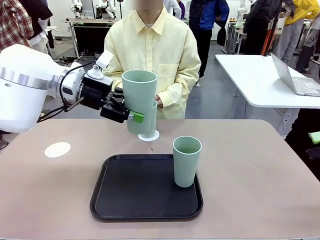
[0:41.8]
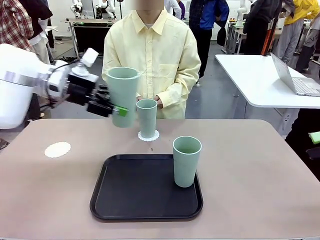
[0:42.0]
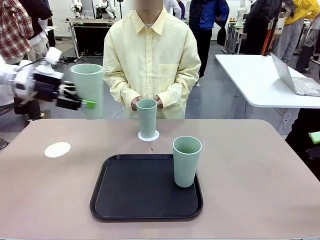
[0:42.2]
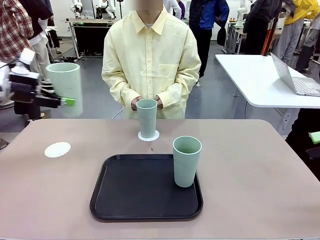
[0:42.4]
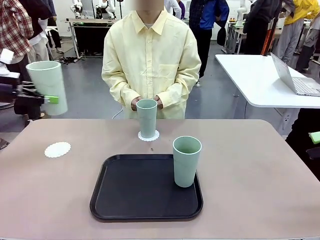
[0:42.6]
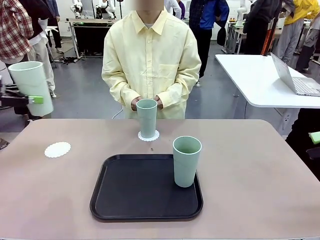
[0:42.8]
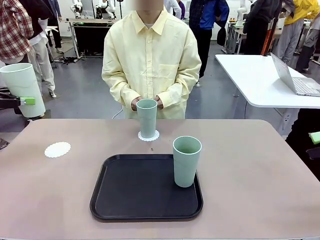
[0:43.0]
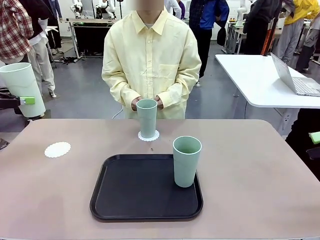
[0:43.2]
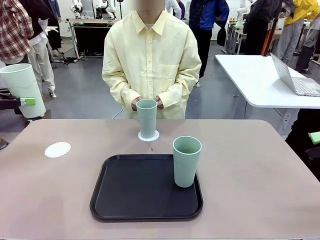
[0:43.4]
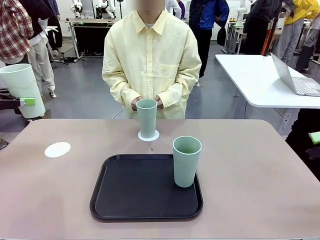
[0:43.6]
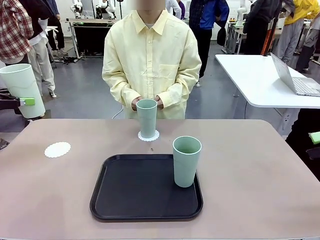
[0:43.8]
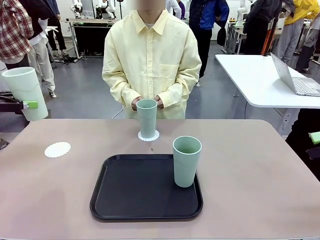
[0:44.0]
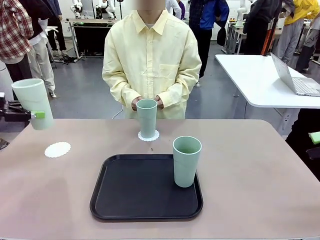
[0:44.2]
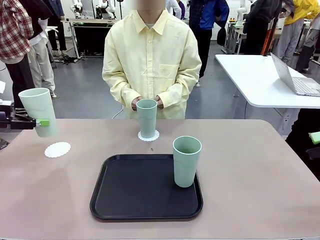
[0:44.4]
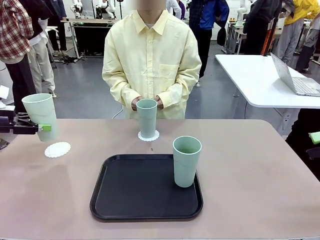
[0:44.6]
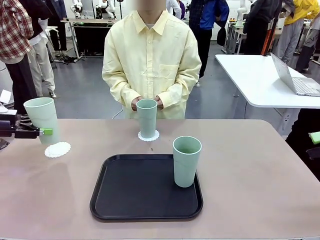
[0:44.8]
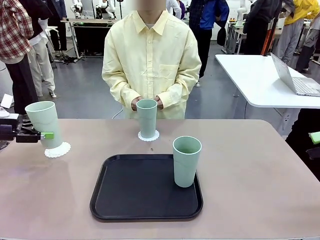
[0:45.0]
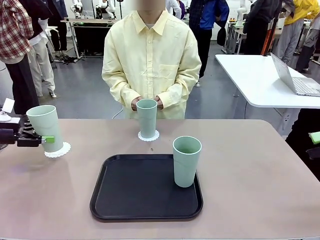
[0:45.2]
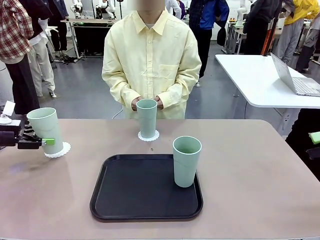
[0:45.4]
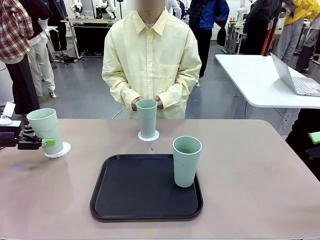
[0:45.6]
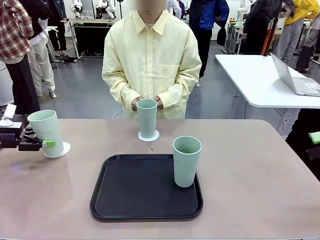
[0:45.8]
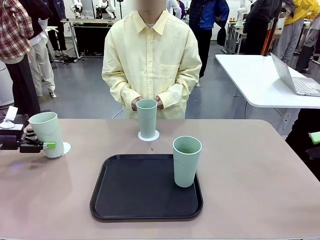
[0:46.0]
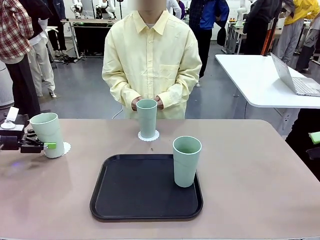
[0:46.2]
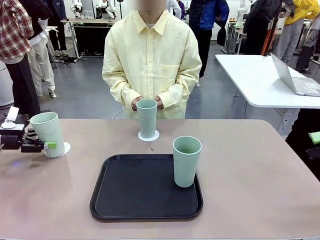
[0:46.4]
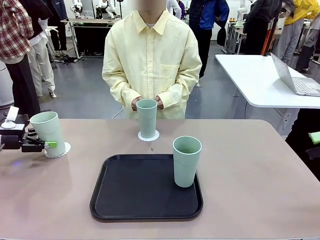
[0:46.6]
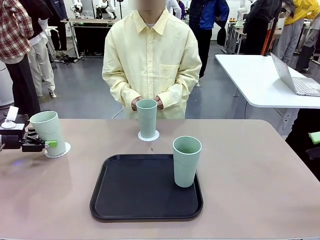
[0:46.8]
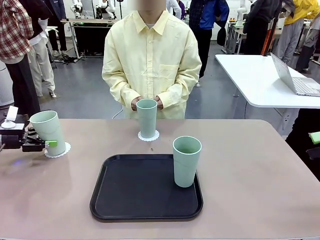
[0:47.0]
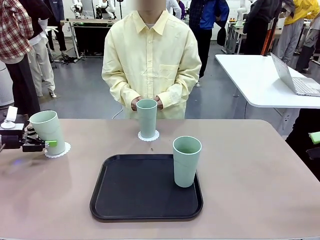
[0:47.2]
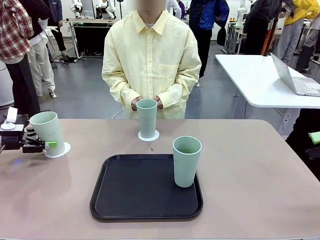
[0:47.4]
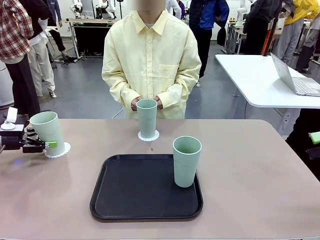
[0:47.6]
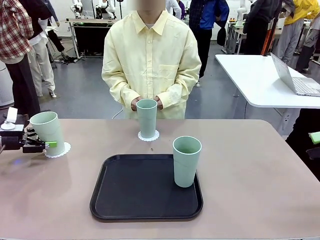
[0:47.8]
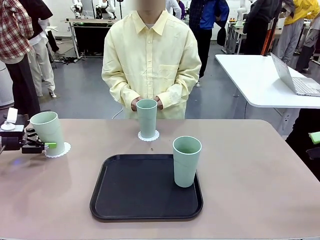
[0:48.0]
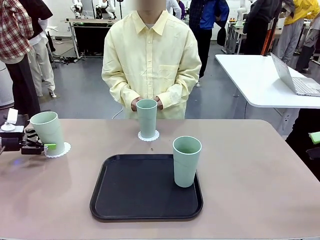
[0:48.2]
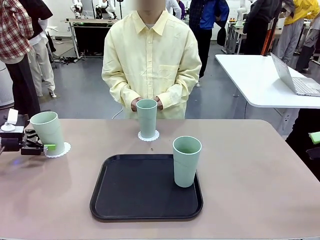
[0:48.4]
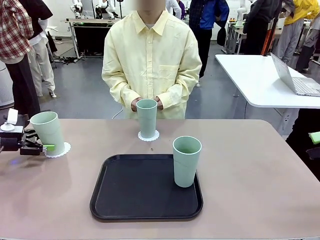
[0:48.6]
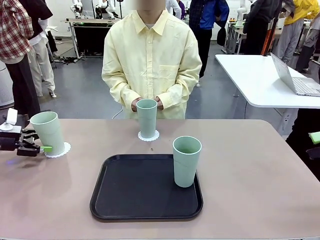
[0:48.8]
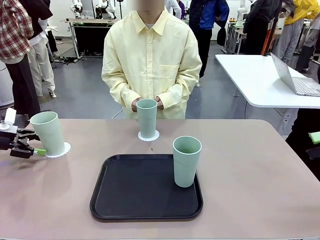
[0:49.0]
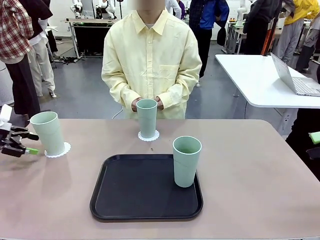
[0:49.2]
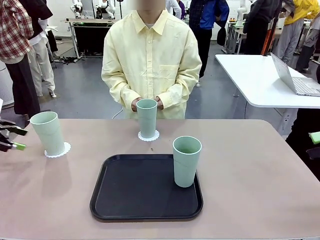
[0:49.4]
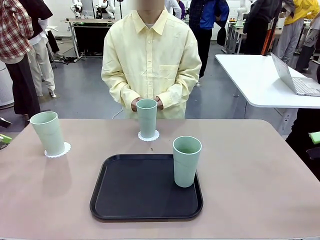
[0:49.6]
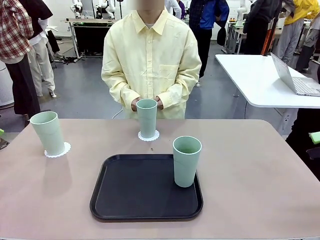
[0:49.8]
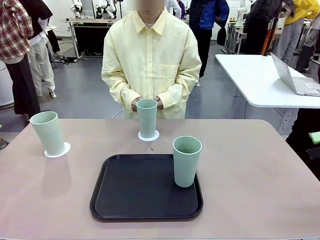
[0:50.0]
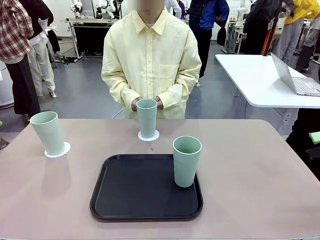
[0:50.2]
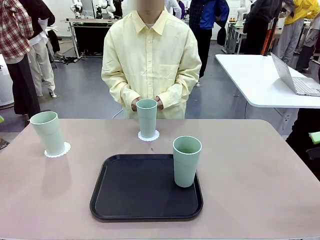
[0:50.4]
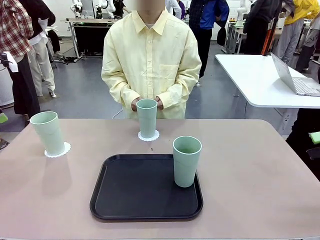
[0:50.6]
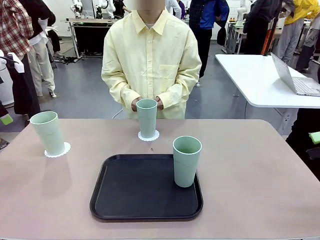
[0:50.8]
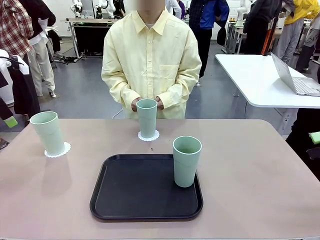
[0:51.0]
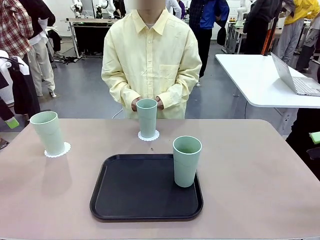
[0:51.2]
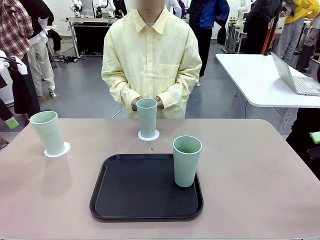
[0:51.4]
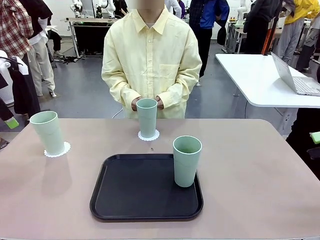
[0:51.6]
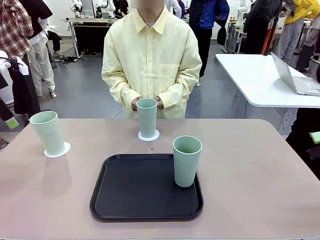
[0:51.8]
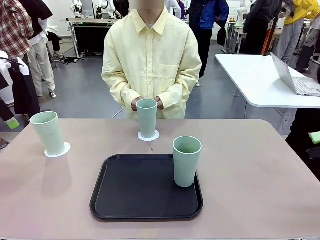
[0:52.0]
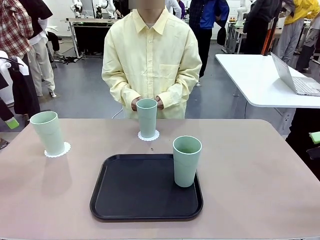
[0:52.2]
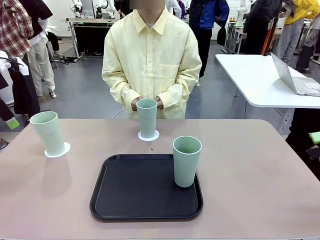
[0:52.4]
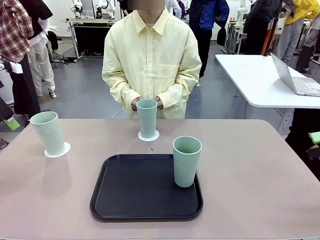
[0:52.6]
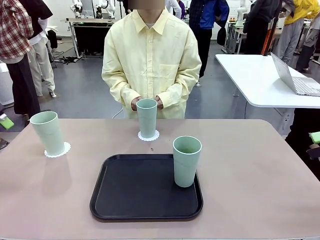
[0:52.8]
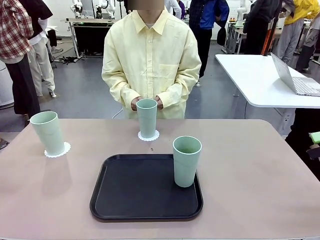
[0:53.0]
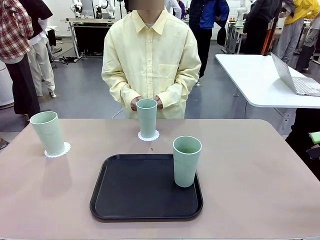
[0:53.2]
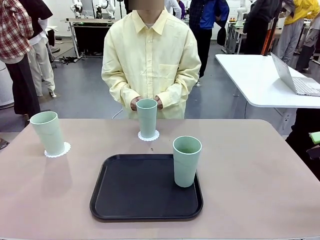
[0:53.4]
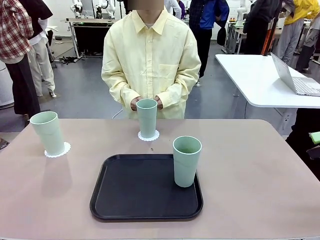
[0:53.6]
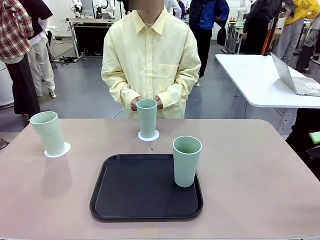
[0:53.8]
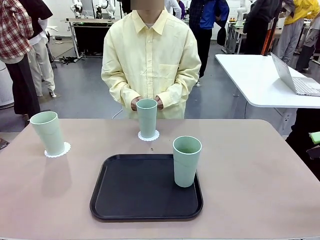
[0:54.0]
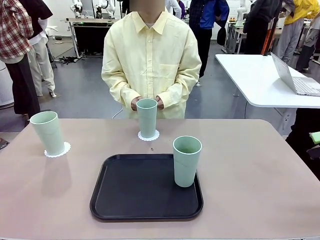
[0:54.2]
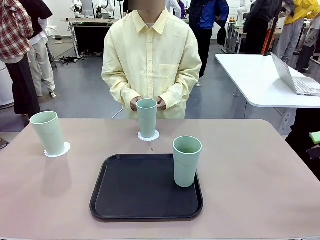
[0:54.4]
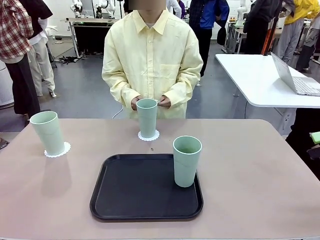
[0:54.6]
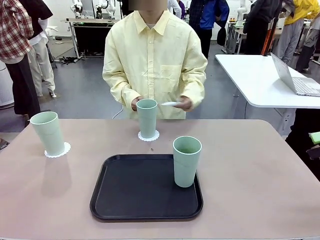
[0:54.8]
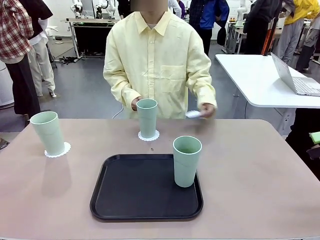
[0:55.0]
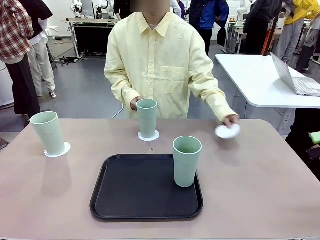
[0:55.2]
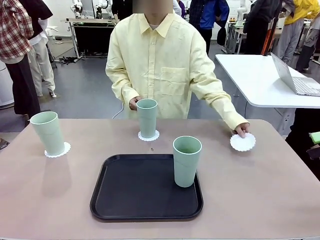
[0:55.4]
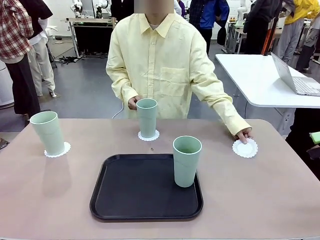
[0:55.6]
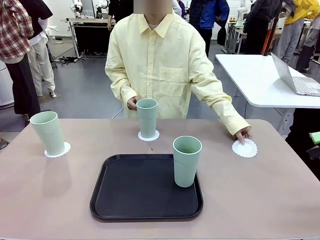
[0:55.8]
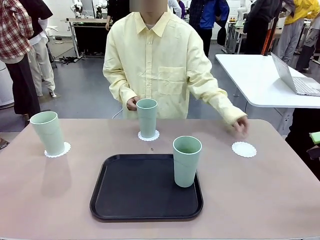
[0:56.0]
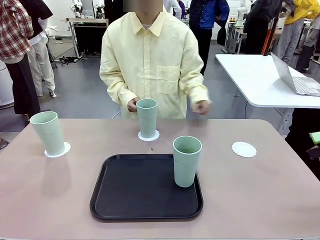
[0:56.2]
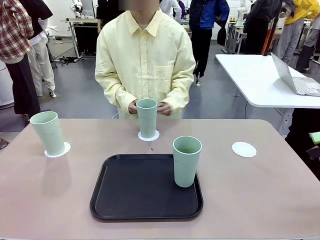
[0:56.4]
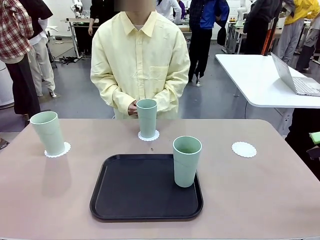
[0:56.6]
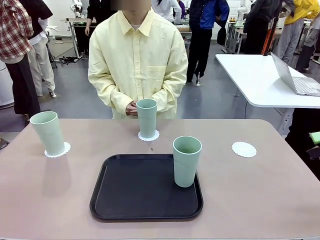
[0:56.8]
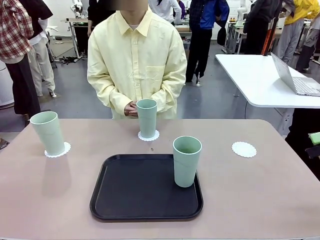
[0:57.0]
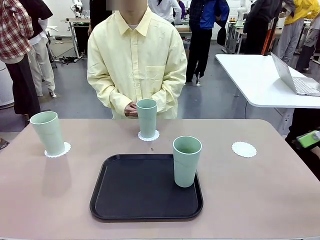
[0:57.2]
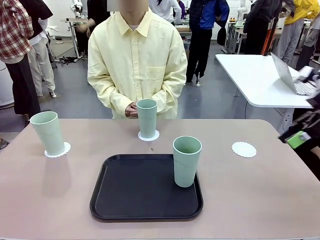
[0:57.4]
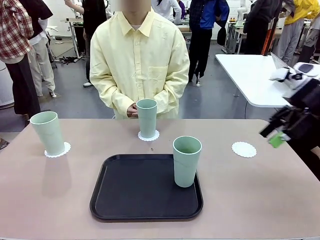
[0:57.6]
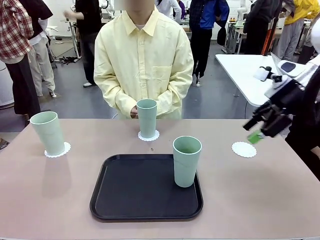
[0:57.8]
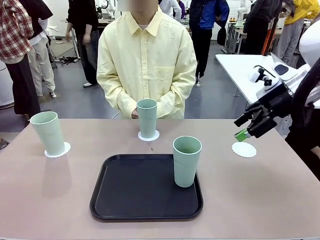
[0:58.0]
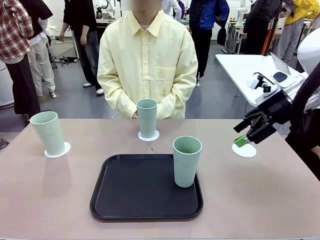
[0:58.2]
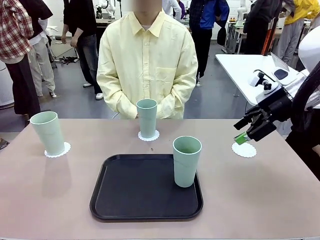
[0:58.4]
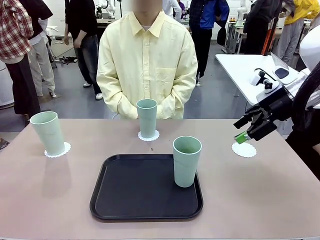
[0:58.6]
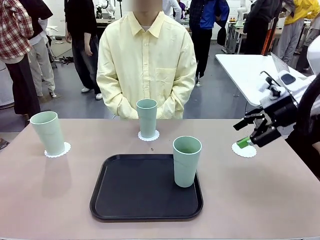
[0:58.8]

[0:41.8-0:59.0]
Task: Place coasters on the table and set cups on them.
Robot: Take one Reusable plastic cup from the Flat Tray and place it on a coaster set by the human.
